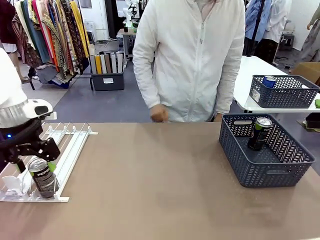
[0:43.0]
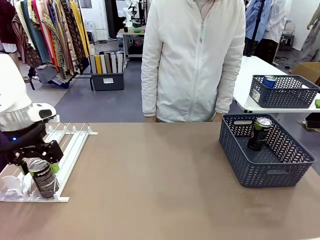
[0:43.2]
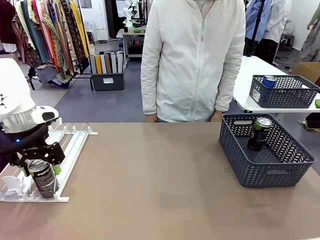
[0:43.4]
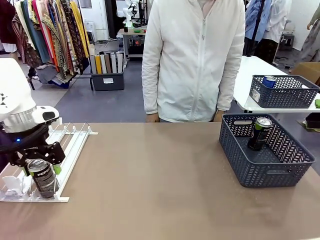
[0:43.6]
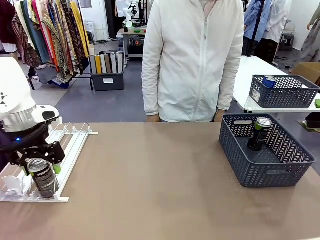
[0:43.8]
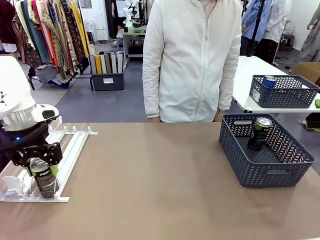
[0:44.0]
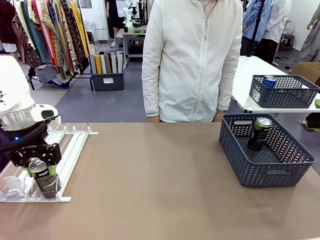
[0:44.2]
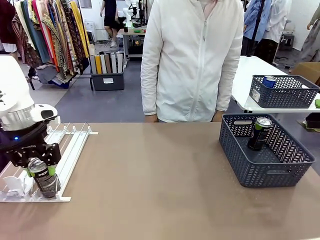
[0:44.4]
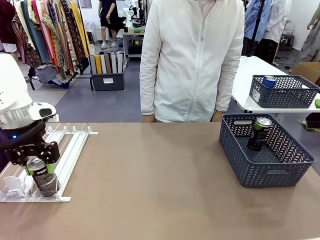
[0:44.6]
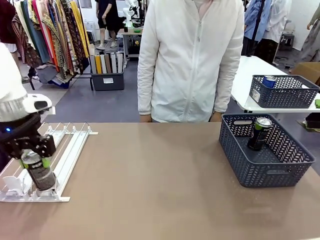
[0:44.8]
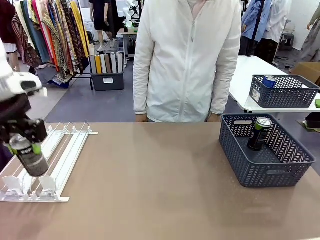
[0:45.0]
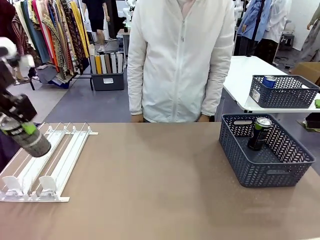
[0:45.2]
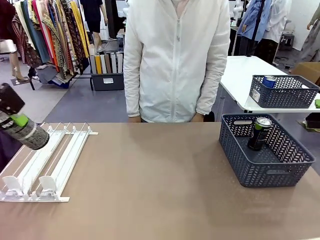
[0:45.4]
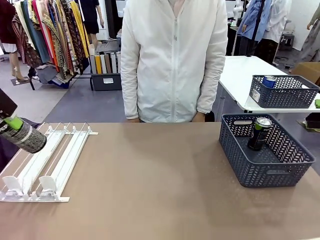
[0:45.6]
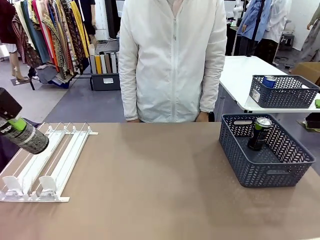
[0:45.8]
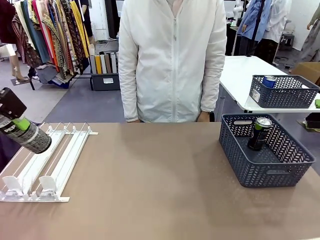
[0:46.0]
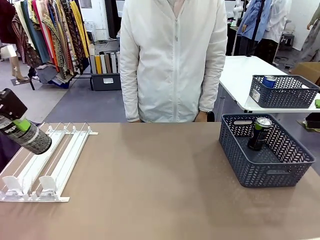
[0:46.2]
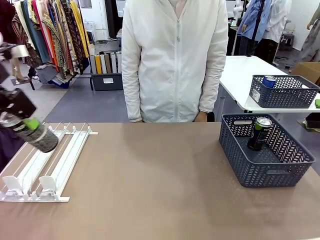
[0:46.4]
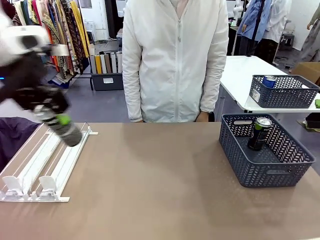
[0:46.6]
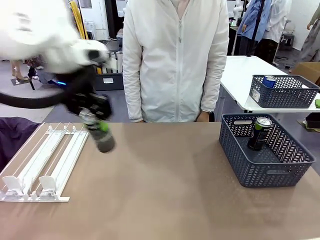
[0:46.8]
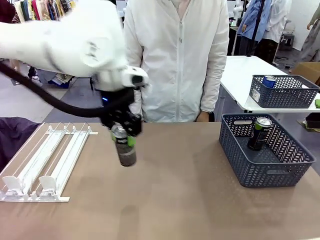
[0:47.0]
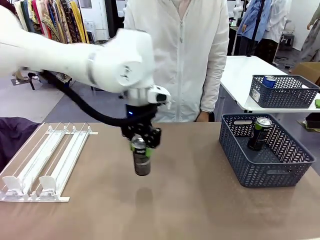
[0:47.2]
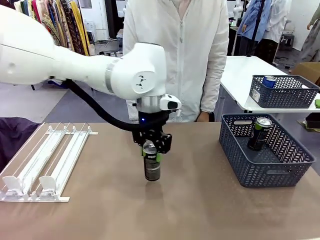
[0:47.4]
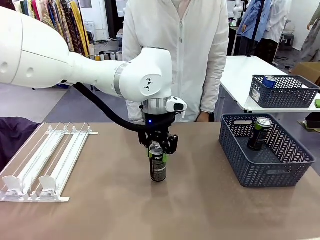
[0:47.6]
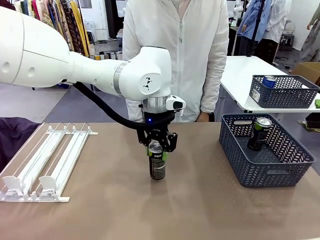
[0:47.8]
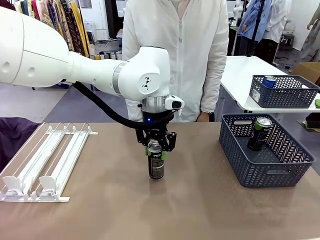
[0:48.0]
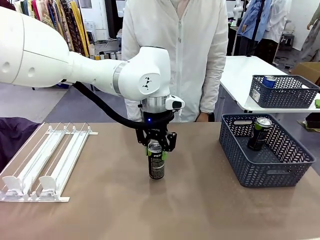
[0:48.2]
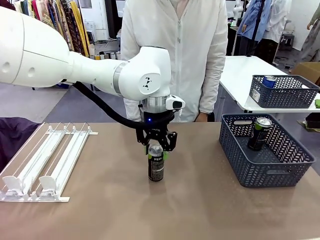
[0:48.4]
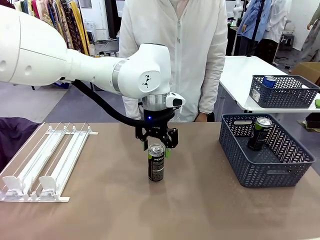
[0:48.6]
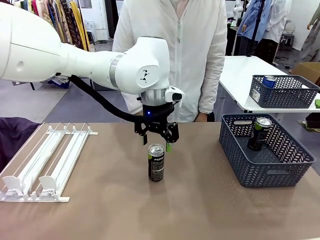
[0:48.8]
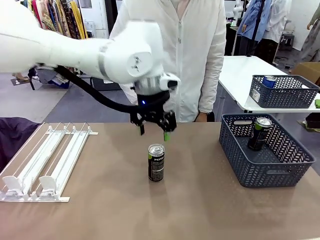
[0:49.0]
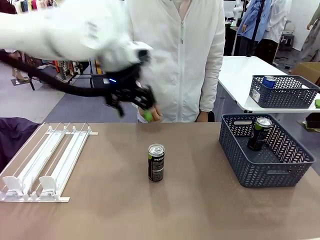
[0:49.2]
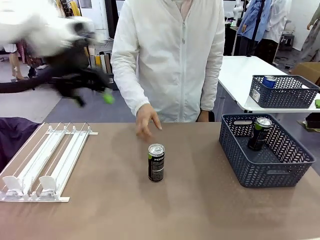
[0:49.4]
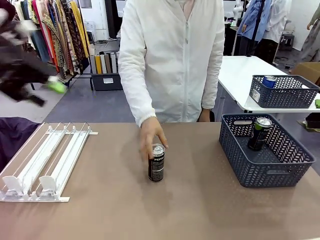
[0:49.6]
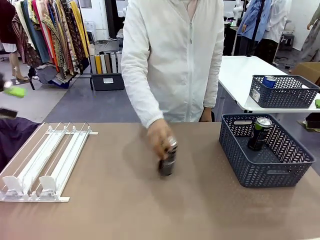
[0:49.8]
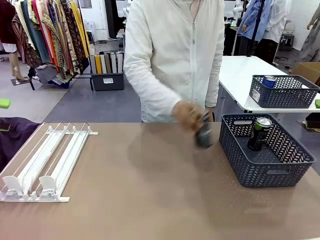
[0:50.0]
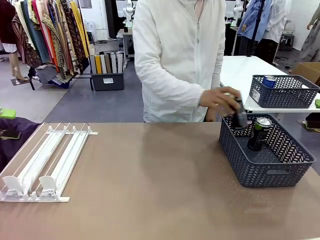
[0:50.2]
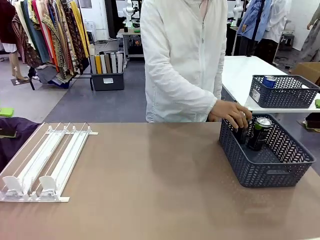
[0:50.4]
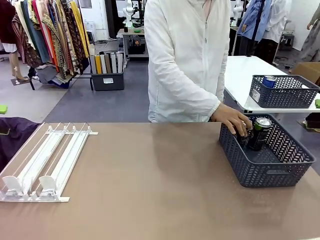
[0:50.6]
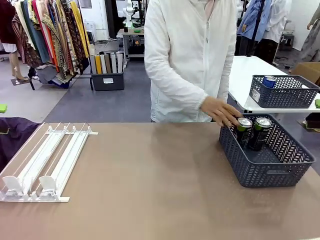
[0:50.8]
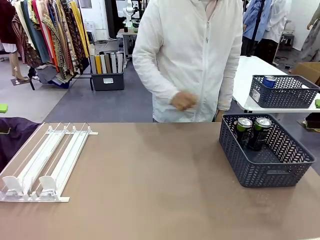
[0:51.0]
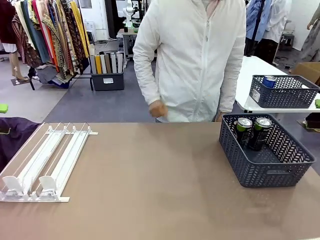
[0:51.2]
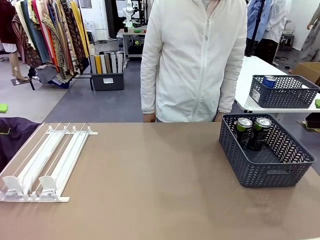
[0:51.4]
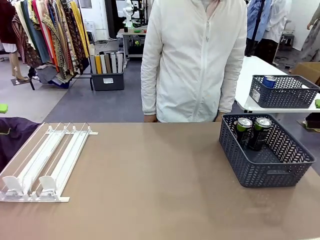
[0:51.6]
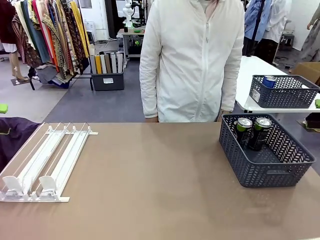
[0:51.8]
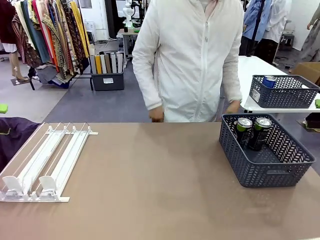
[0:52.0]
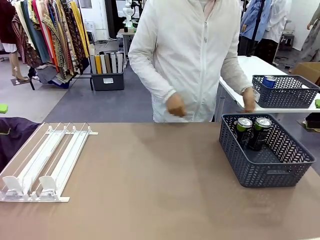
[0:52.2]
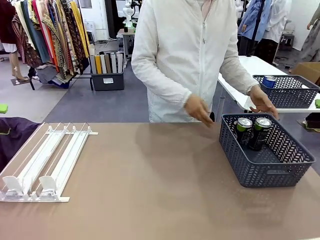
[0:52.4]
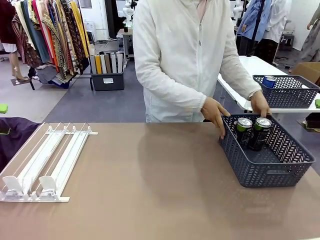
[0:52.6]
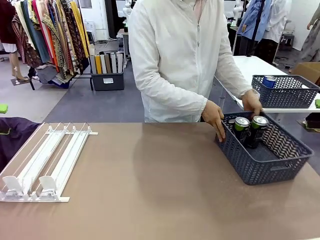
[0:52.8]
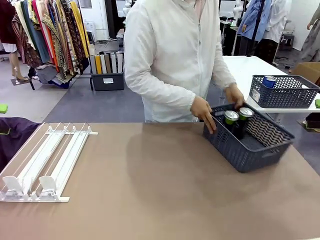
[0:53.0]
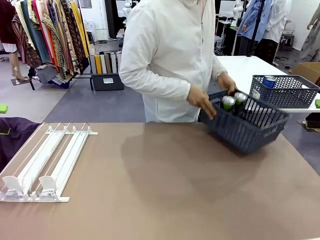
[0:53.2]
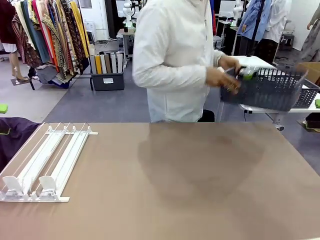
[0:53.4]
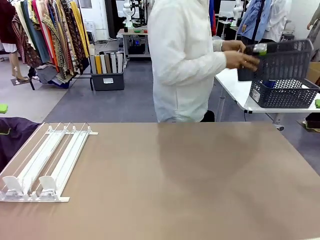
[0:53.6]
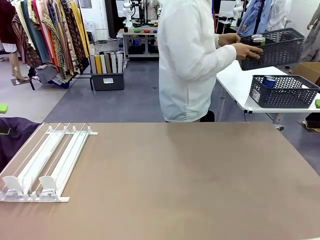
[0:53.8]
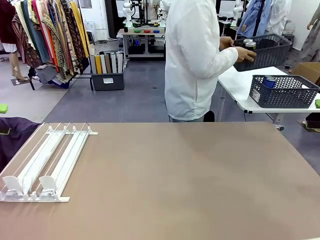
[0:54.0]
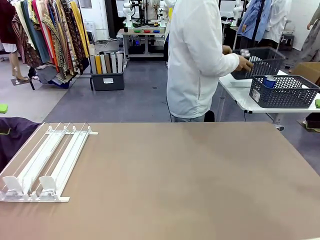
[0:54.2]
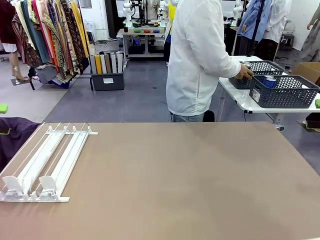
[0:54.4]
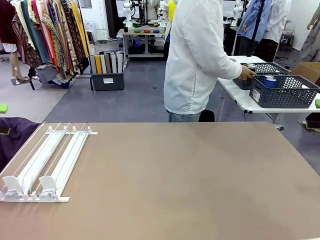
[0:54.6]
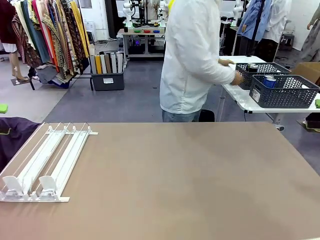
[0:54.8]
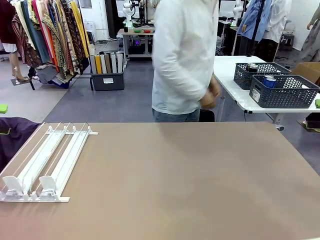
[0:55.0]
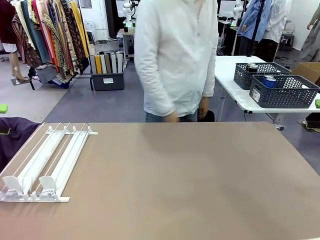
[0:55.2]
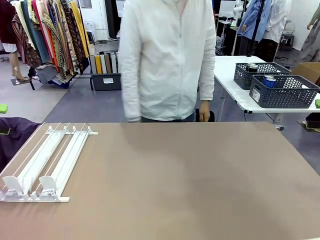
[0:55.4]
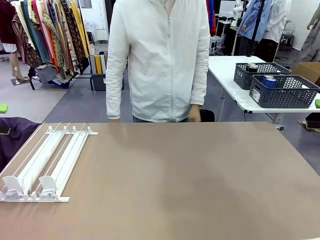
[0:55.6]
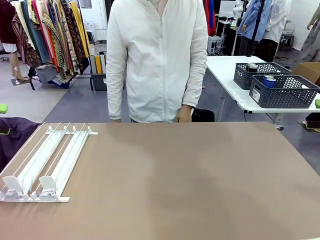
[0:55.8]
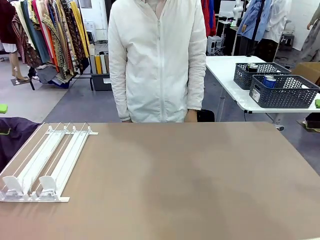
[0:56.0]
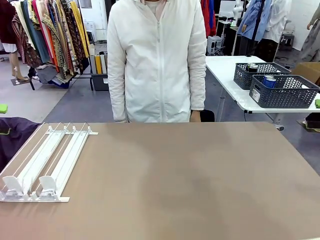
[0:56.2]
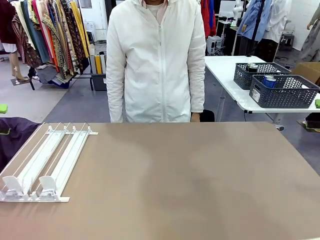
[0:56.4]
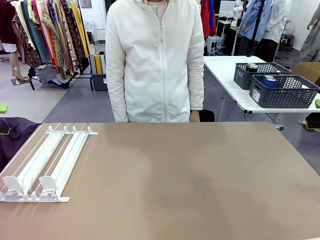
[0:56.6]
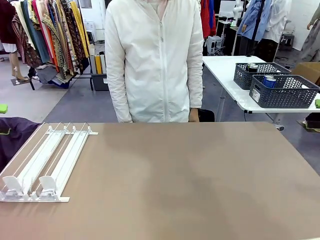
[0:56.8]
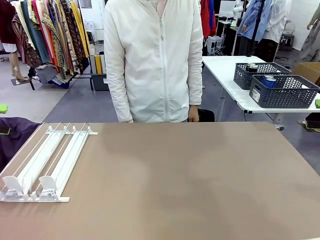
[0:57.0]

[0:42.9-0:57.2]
Task: Retrieve and store the cans from the dispenser.
Robot: Pick up one can from the Automatic Can Dispenser and place it in the middle of the table.
Person: Pick up one sports drink can from the middle of the robot table and place it in the basket. Pick up the basket and place it in the middle of the human table.

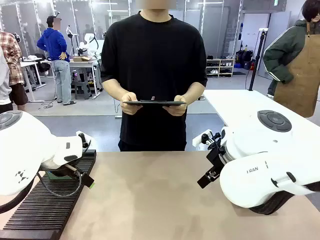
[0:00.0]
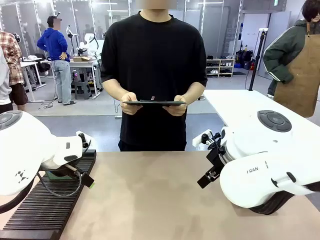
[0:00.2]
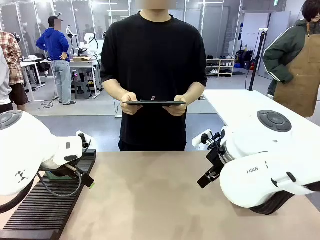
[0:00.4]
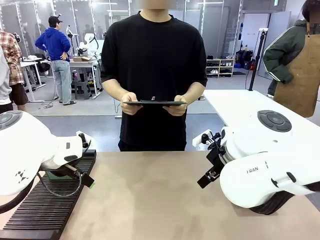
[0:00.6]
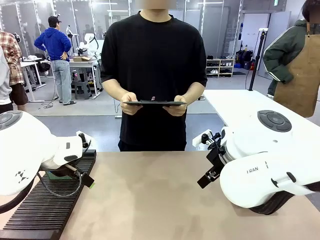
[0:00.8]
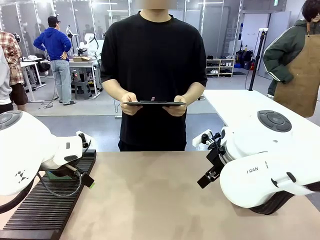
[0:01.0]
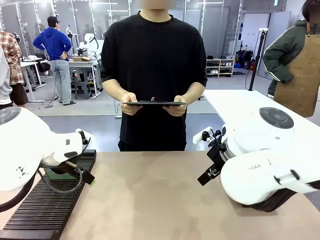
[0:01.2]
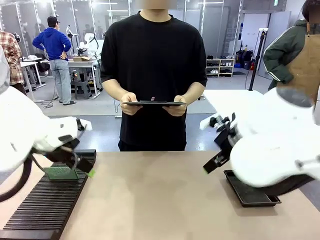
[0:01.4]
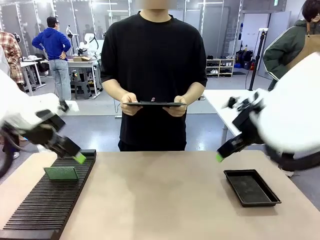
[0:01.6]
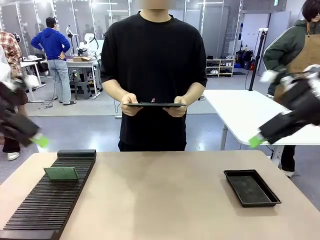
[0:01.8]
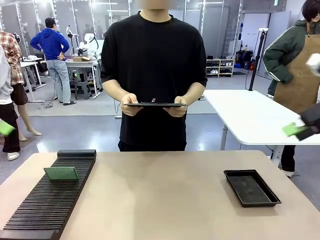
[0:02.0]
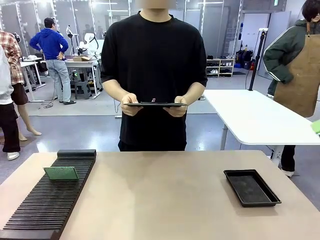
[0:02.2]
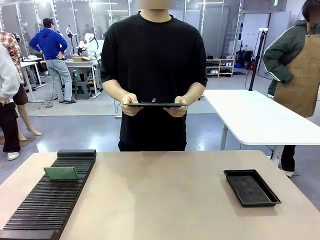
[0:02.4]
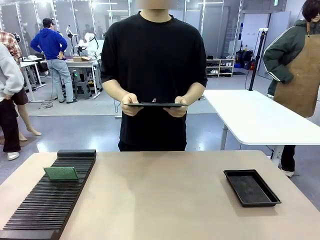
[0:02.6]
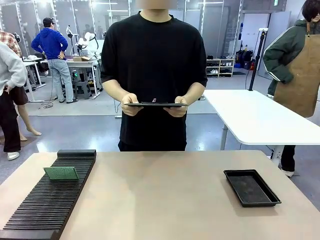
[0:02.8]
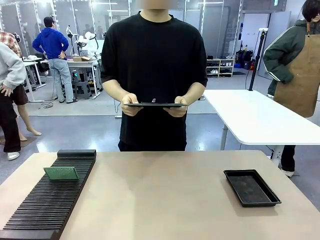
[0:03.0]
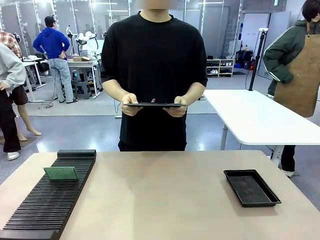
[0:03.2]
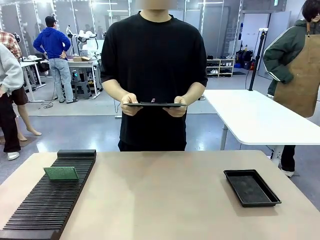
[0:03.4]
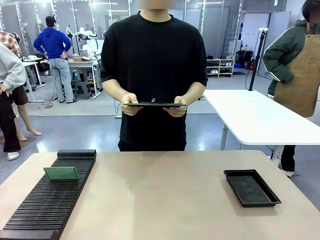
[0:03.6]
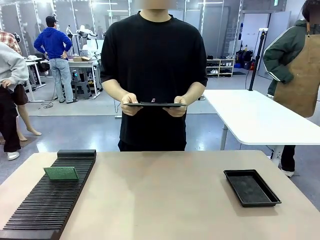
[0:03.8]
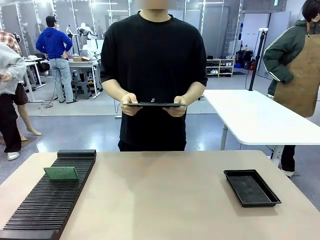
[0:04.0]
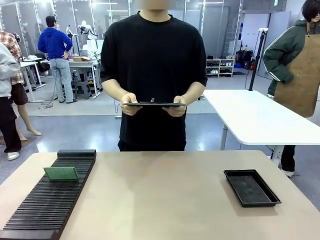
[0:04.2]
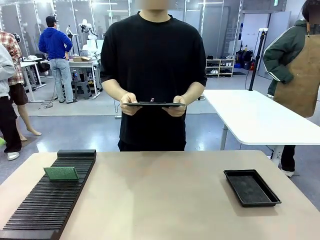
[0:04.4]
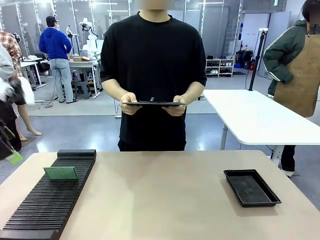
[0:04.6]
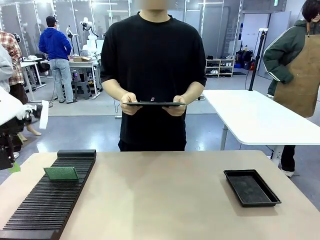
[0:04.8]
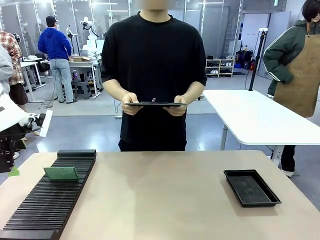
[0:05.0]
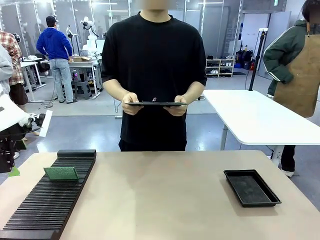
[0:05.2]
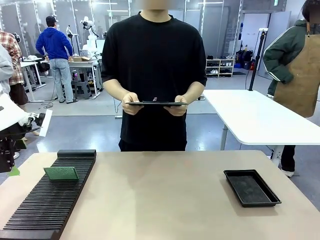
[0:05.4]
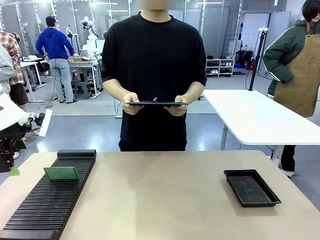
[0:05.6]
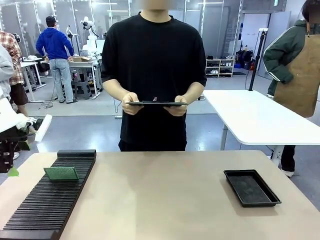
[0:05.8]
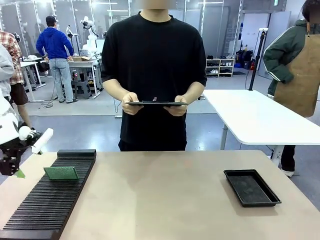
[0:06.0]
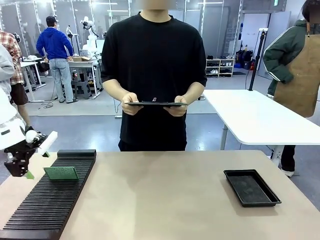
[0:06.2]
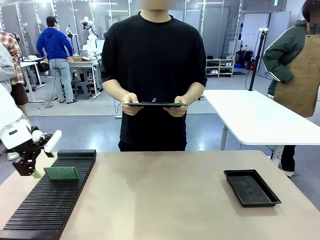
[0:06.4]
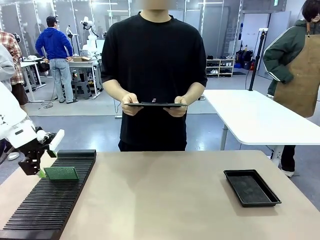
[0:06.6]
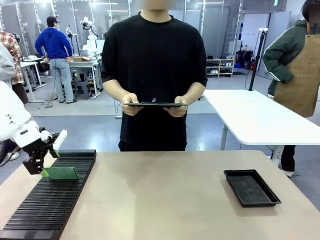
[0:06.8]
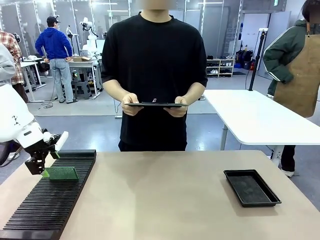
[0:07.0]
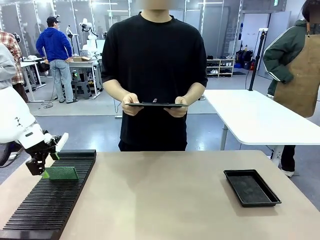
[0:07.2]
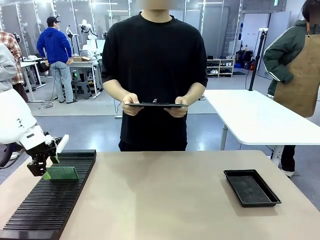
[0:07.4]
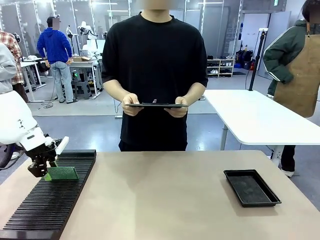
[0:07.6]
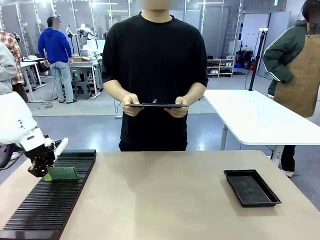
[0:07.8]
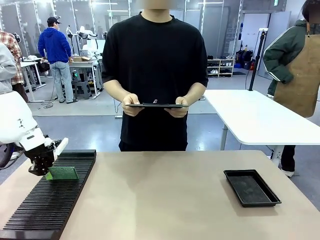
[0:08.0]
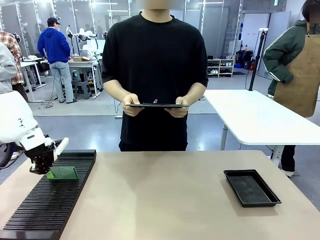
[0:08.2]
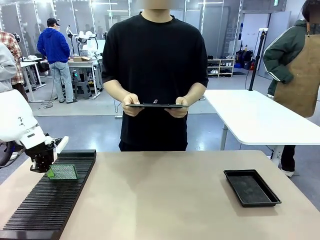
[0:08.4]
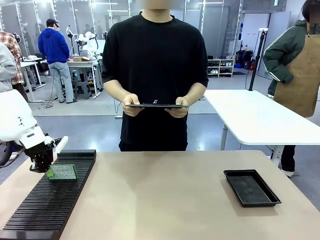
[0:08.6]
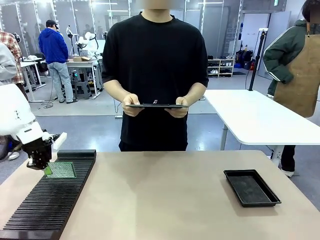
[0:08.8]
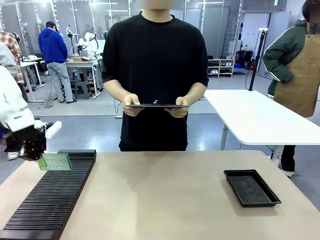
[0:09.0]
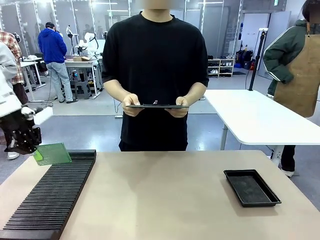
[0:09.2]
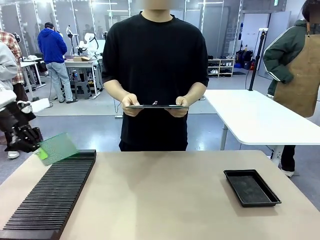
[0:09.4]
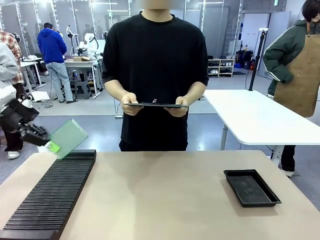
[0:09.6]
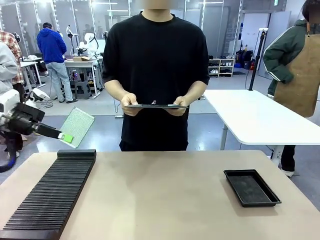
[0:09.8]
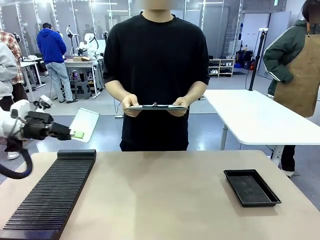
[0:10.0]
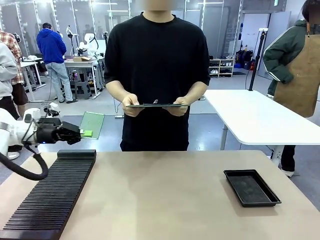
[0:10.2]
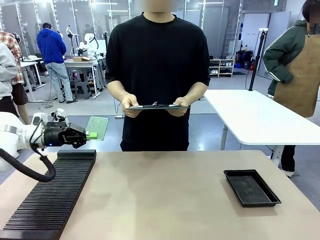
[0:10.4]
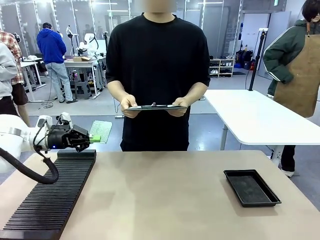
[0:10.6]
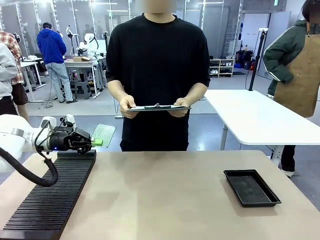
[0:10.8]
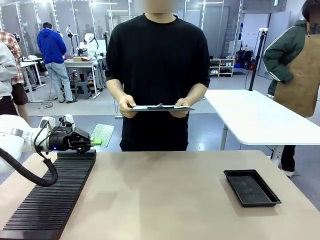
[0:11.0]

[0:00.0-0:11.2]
Task: Inspect the PCB.
Robot: Pick up the Blank PCB and present it to the human.
Person: Pick up the PCB presented by the robot.
